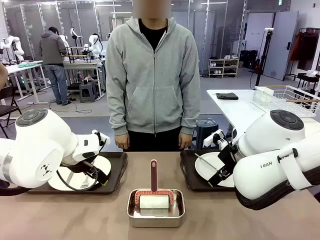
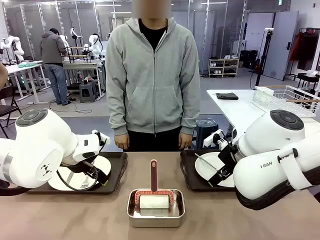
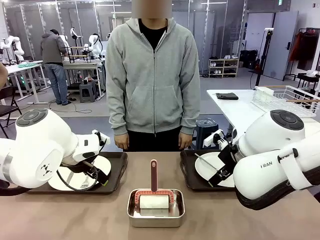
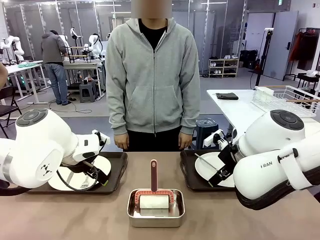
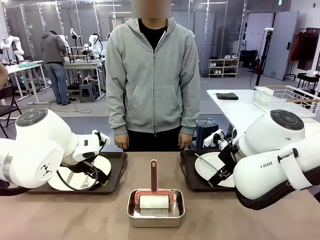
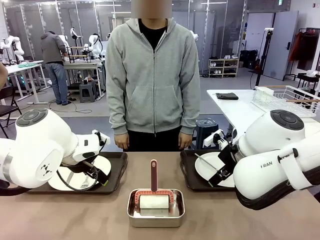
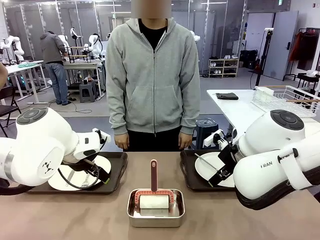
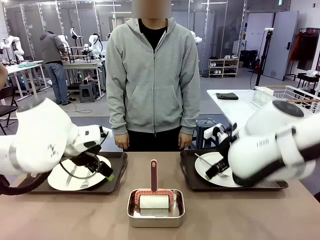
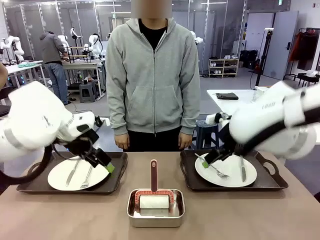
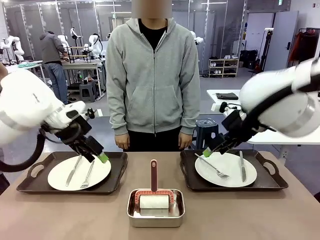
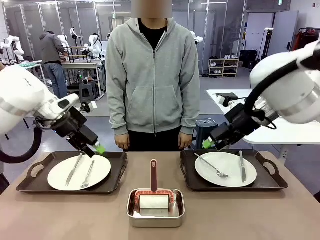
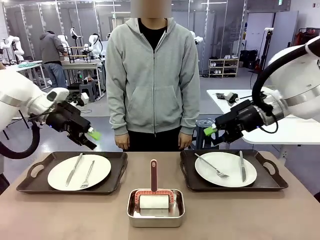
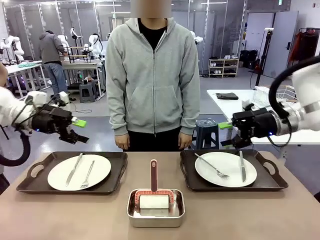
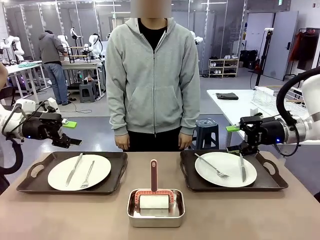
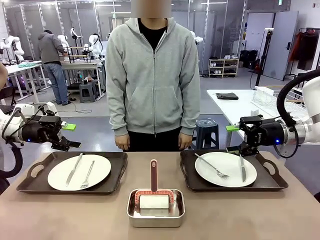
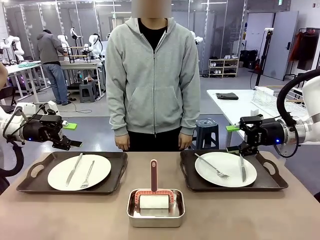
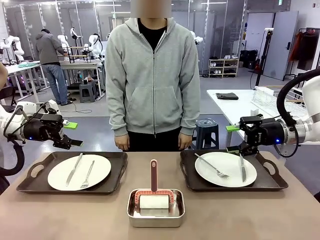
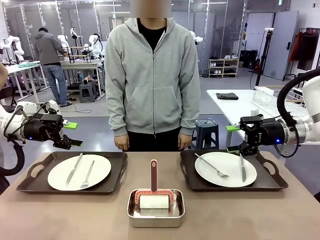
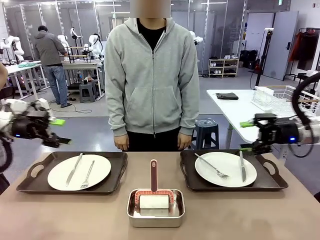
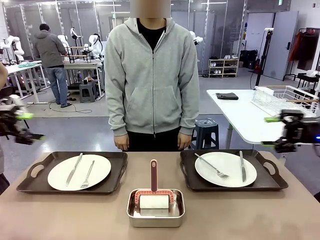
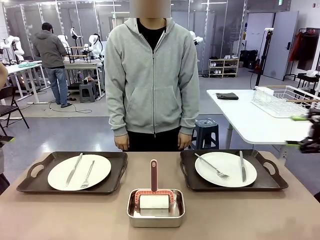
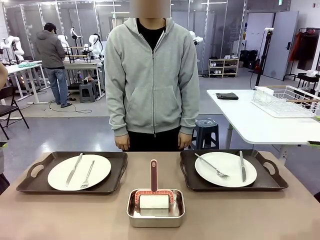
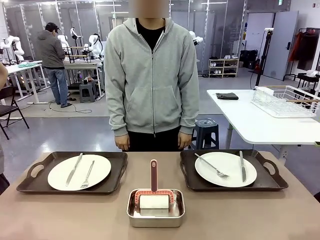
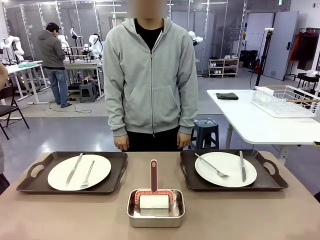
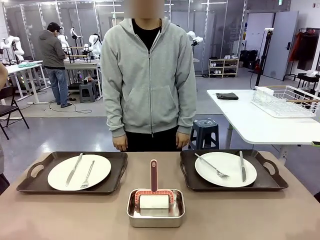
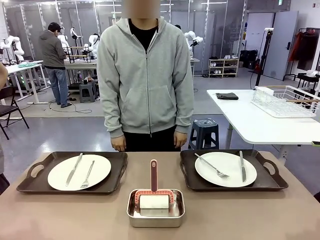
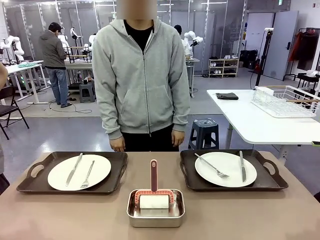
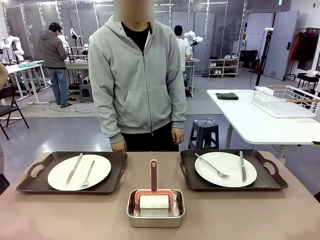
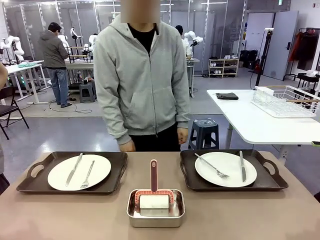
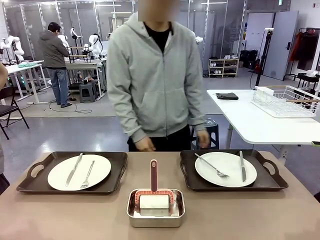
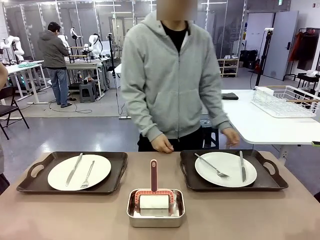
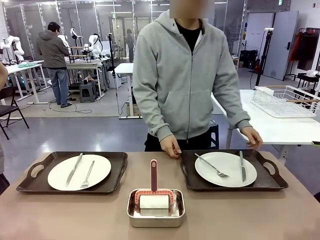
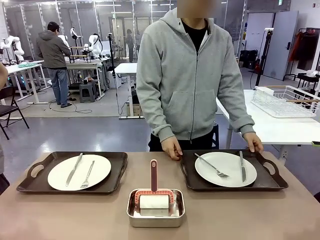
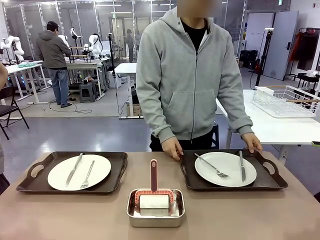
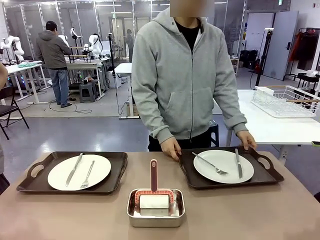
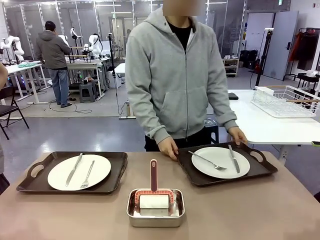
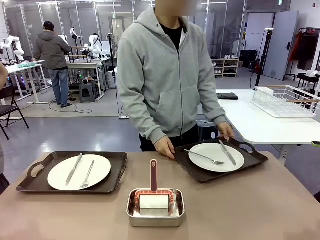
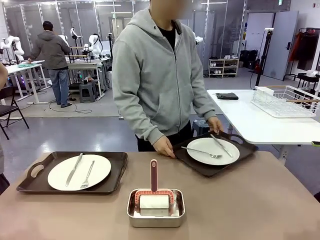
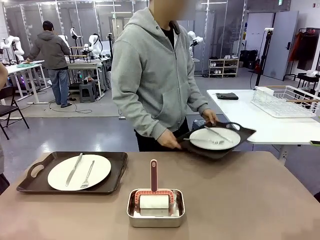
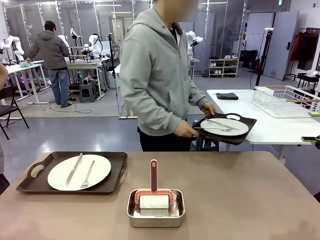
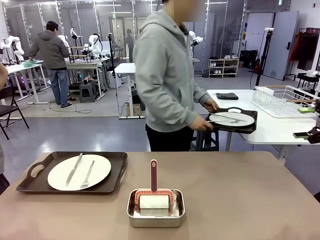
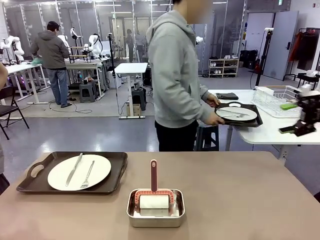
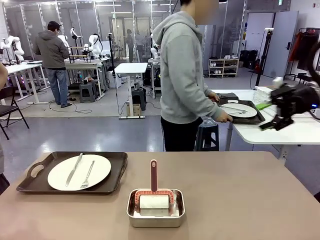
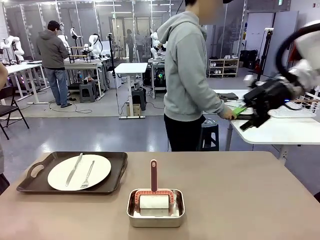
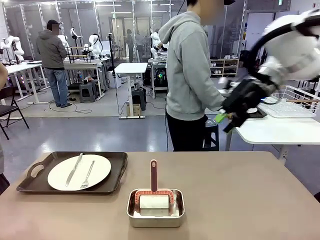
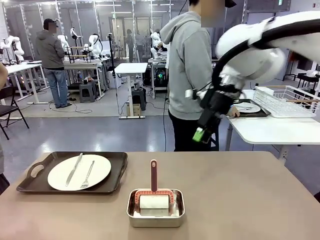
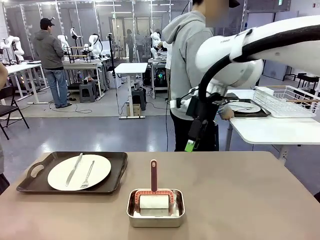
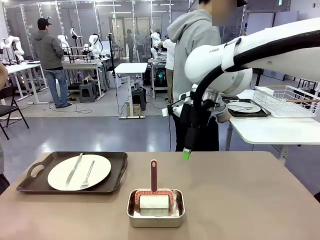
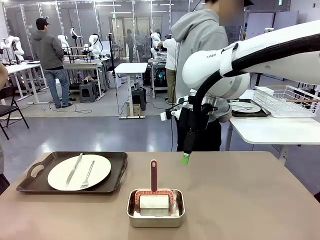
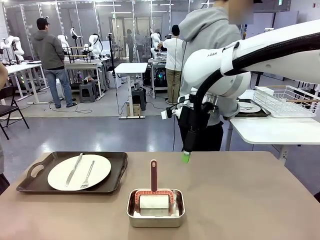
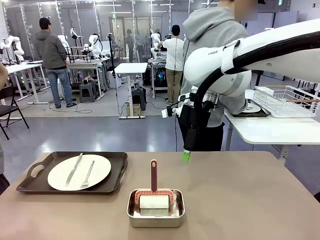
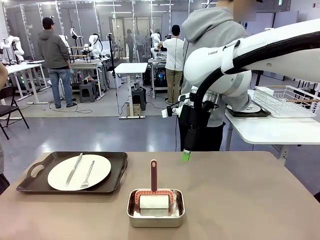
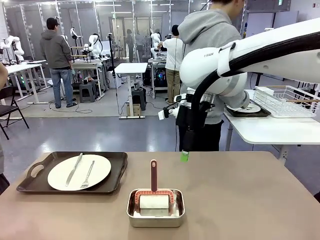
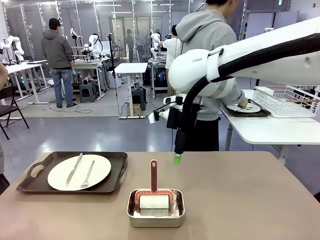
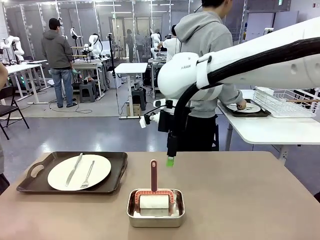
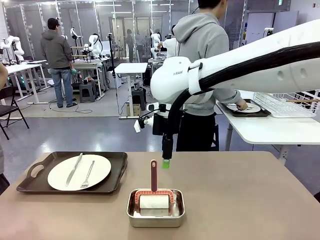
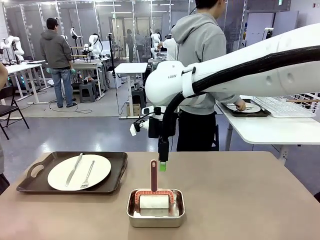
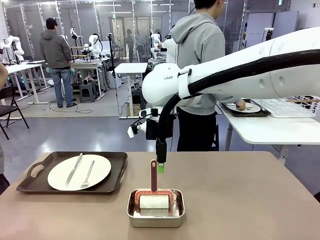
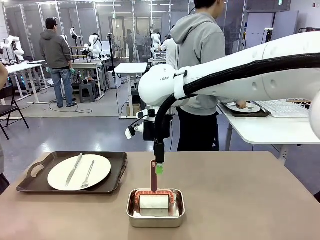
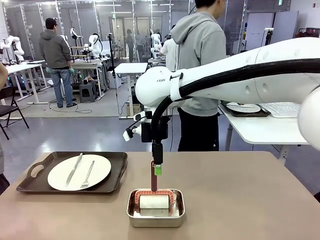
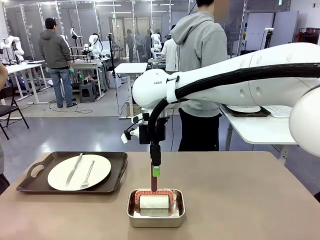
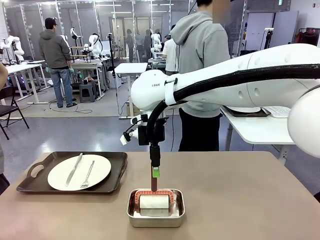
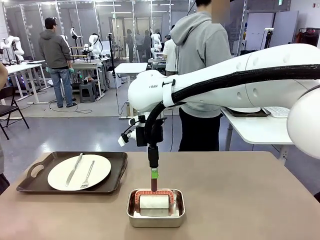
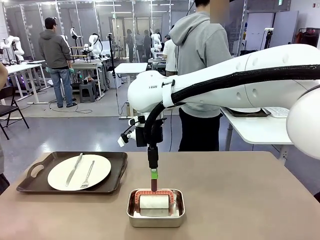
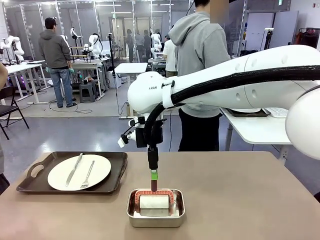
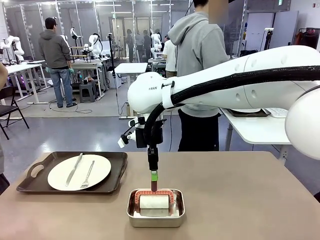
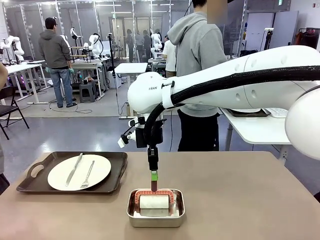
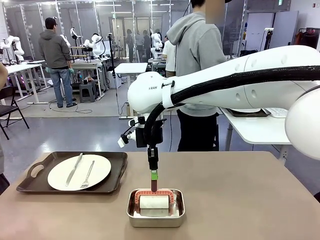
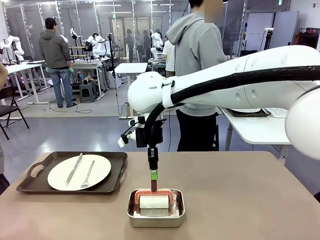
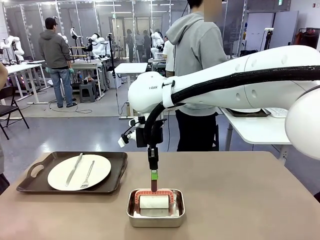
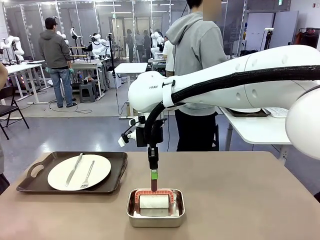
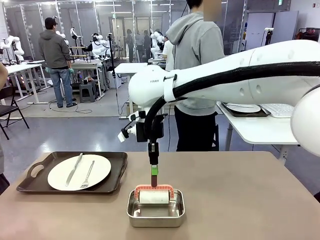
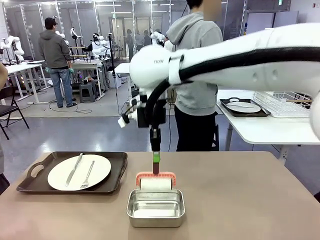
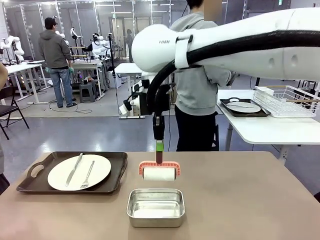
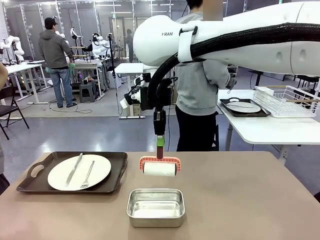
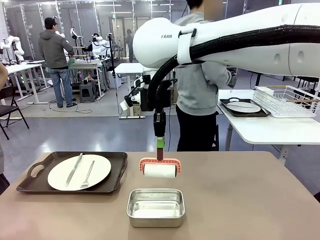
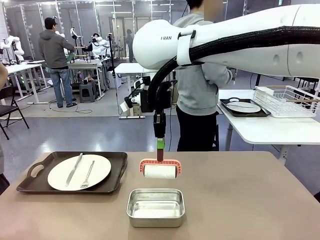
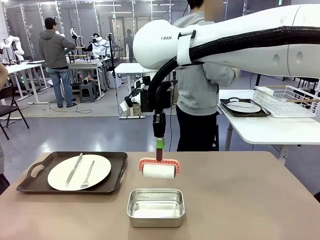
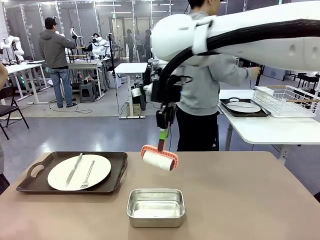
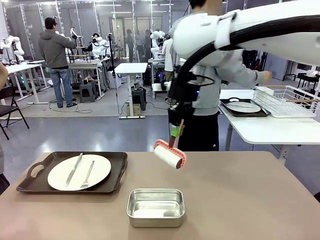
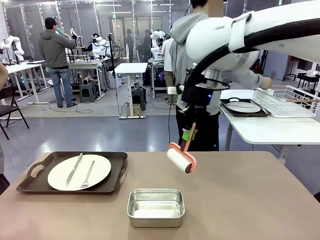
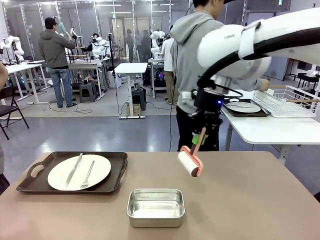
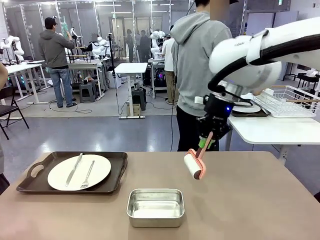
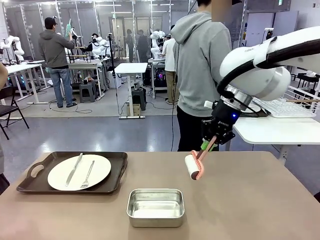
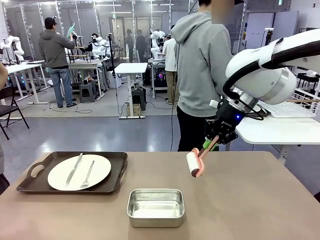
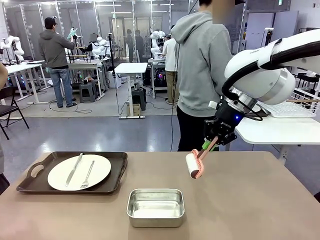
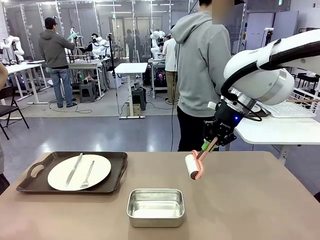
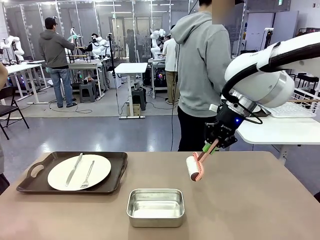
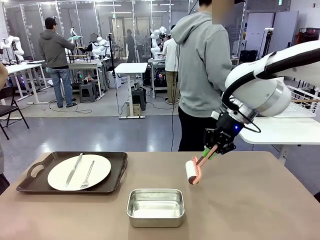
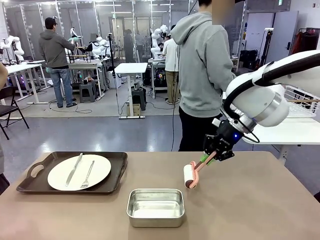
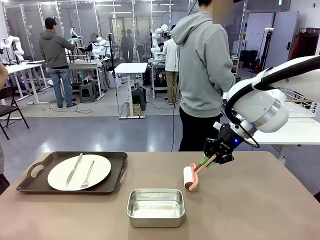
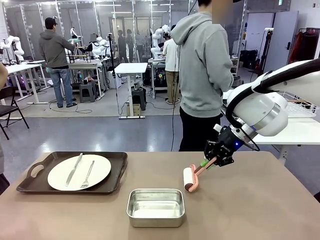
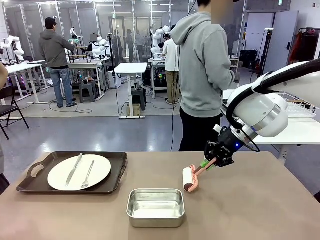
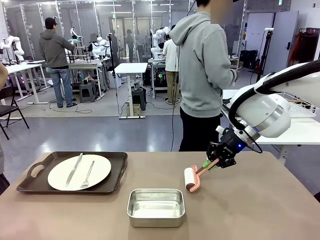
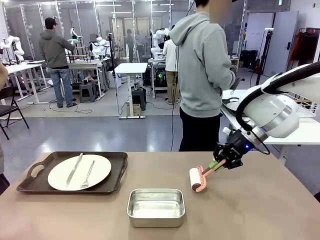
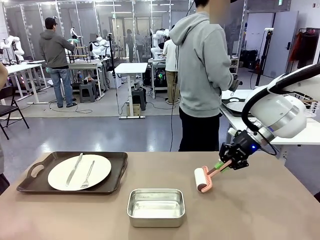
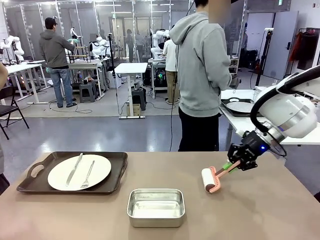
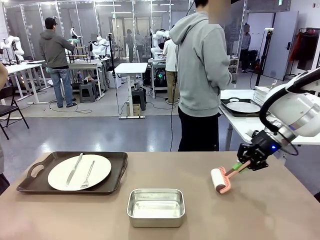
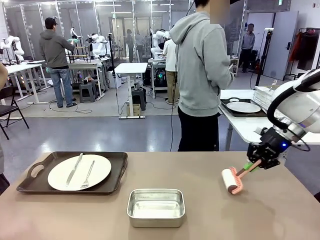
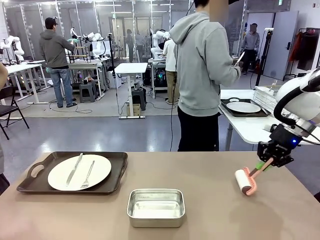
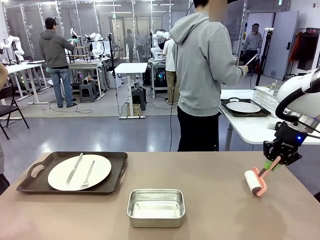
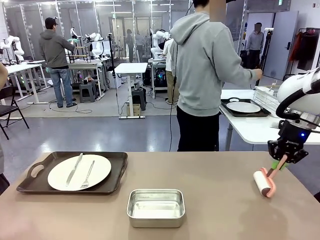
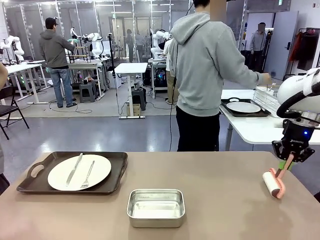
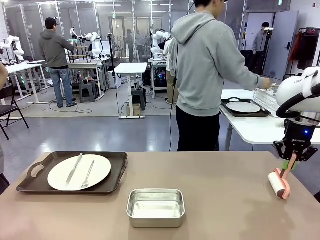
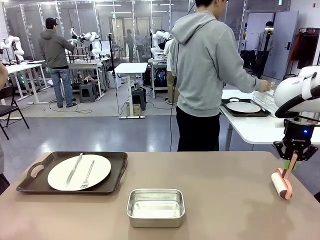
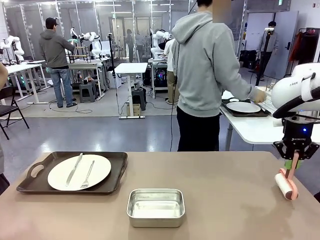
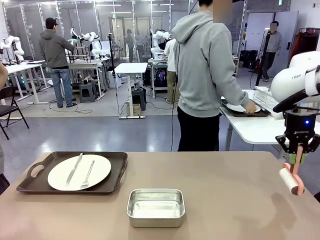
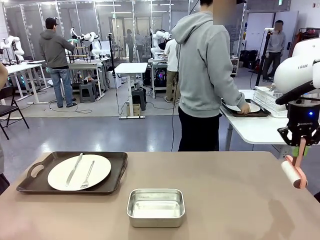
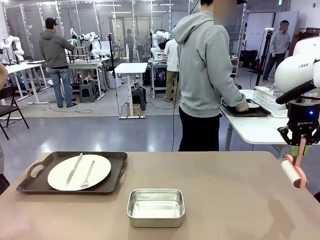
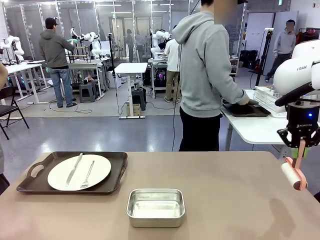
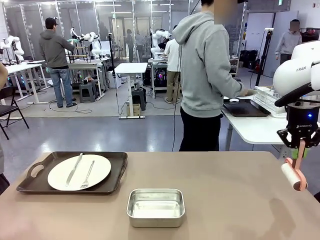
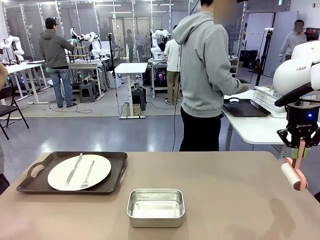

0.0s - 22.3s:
Robot: When the left (or right) Handle tray is removed, use the left hand (or right hand) to clean the left (or right) side of the table with the Lint Roller.
Person: Pick up the left (or right) Handle tray and place it on the middle of the Human's table. Use the Towel with hook to wipe the Plastic Matte Plate , Fork , and Knife and place into the Dish drying rack.
